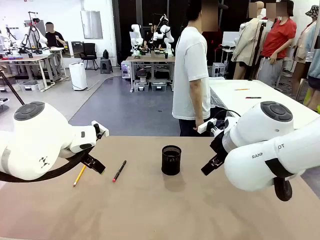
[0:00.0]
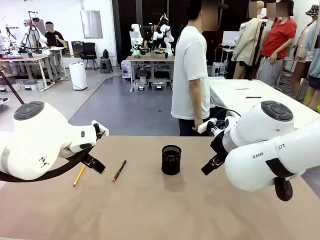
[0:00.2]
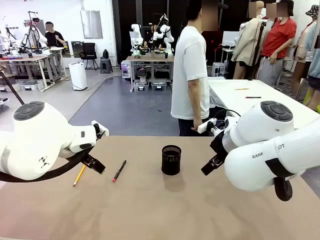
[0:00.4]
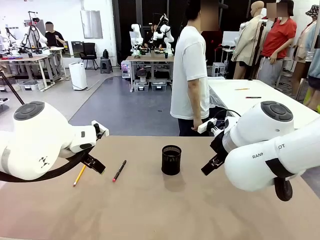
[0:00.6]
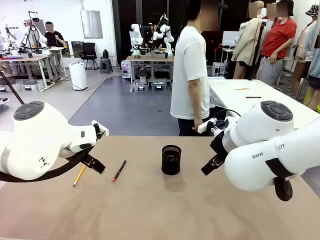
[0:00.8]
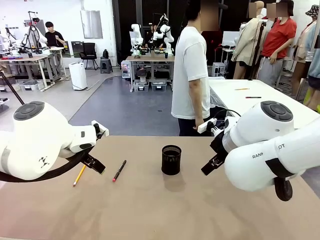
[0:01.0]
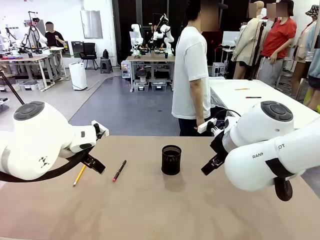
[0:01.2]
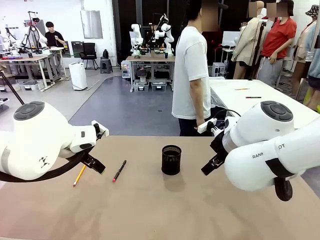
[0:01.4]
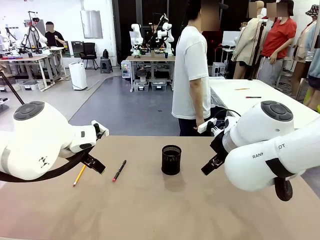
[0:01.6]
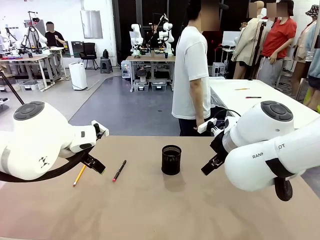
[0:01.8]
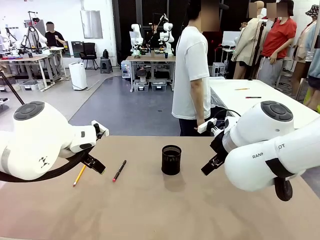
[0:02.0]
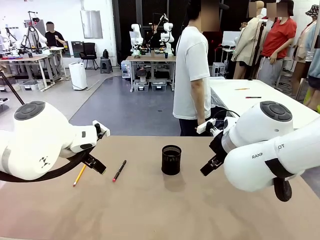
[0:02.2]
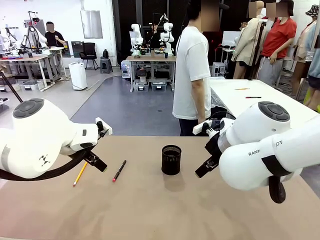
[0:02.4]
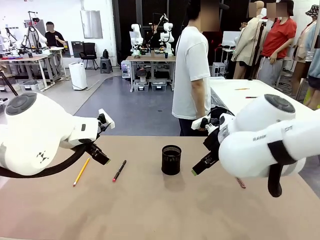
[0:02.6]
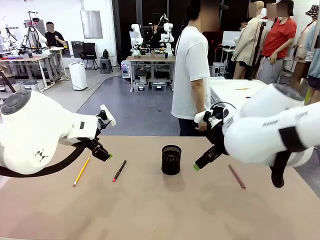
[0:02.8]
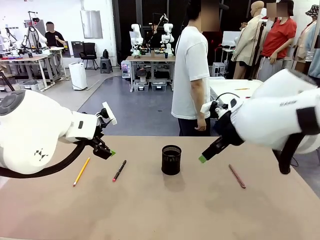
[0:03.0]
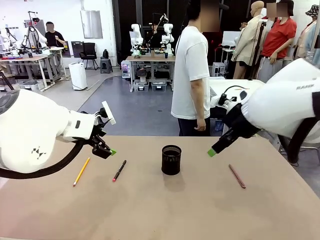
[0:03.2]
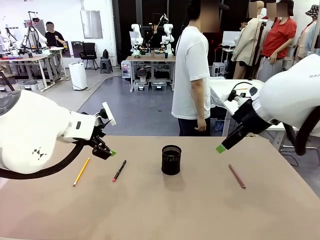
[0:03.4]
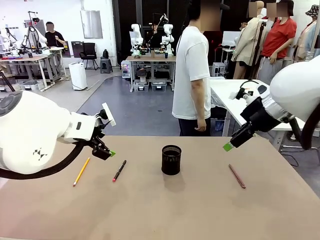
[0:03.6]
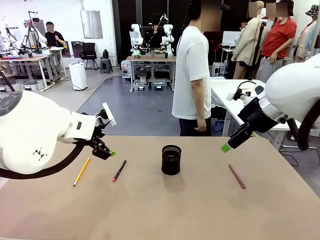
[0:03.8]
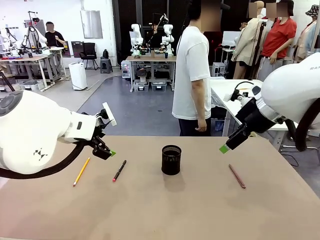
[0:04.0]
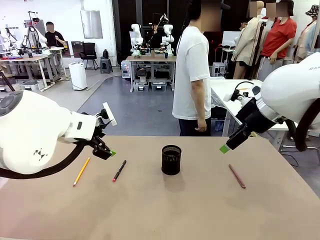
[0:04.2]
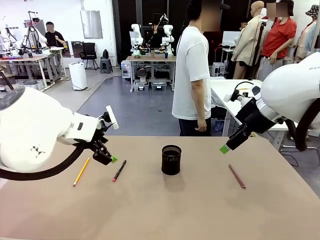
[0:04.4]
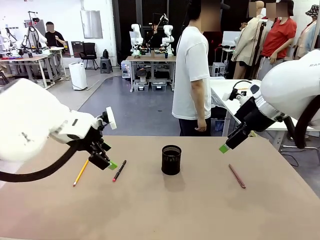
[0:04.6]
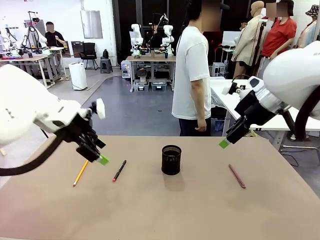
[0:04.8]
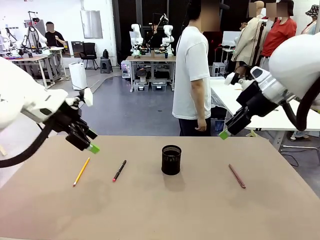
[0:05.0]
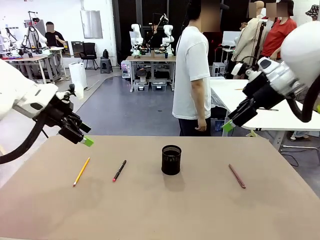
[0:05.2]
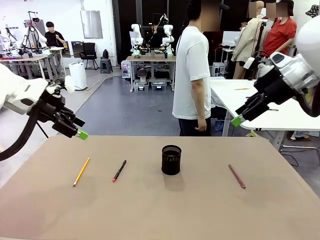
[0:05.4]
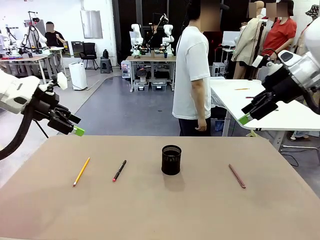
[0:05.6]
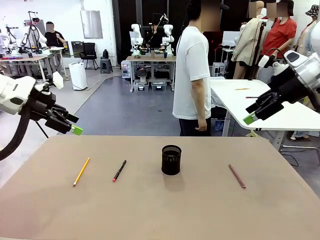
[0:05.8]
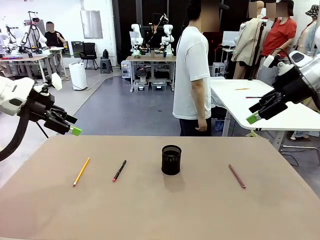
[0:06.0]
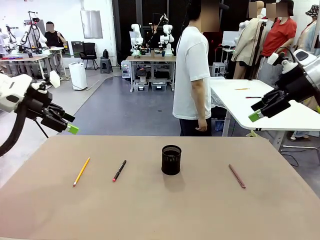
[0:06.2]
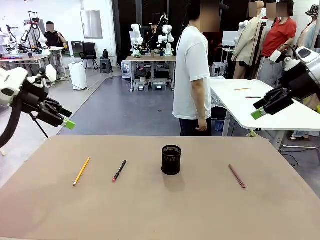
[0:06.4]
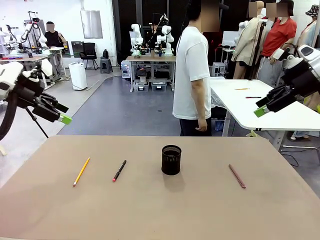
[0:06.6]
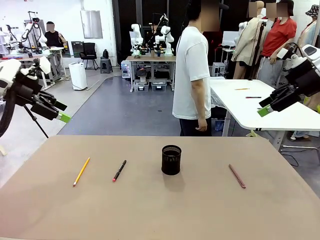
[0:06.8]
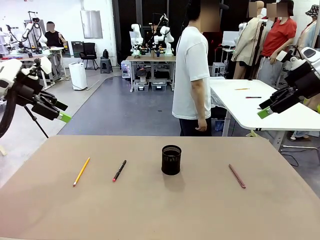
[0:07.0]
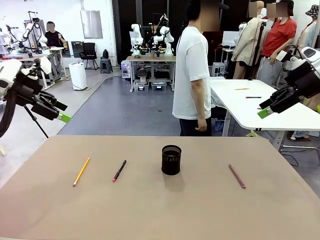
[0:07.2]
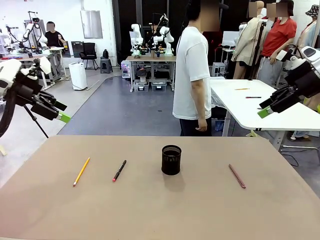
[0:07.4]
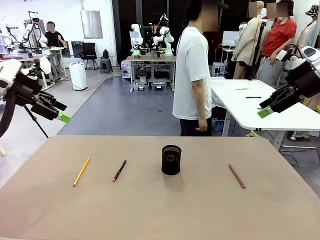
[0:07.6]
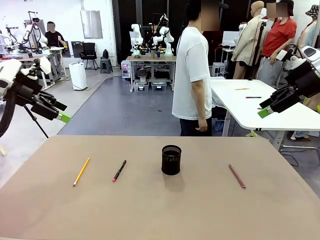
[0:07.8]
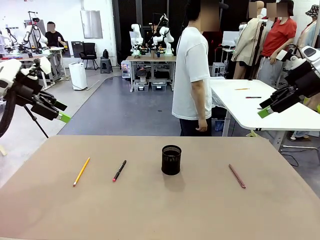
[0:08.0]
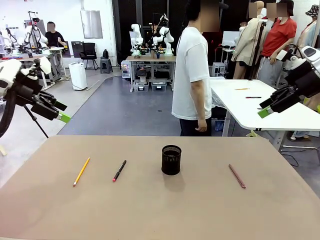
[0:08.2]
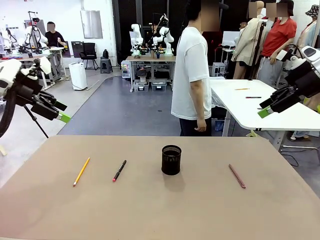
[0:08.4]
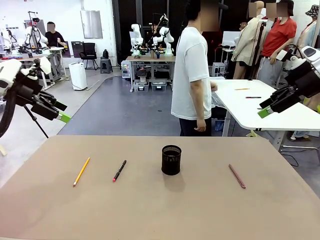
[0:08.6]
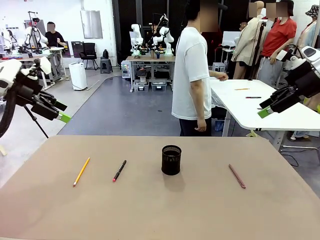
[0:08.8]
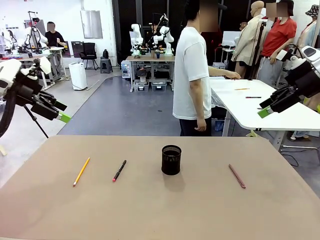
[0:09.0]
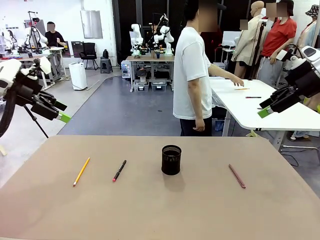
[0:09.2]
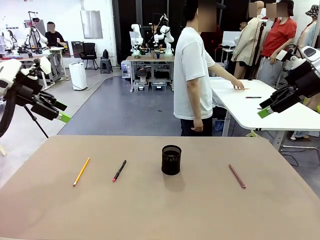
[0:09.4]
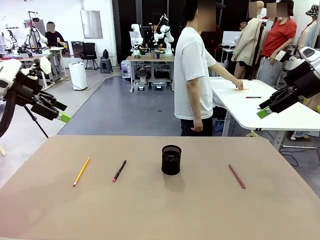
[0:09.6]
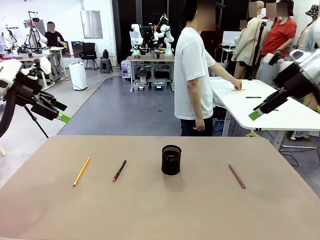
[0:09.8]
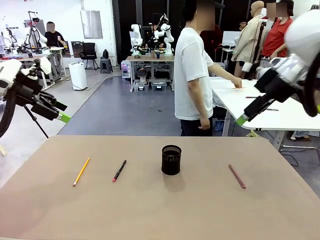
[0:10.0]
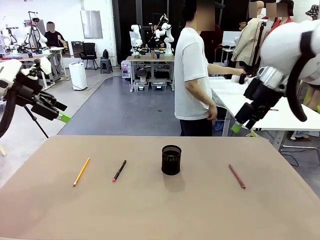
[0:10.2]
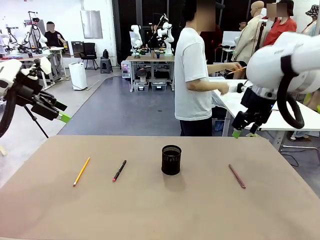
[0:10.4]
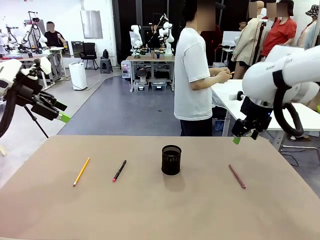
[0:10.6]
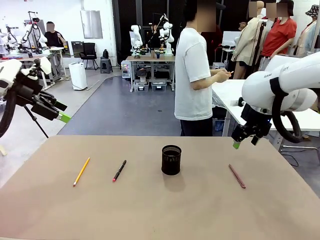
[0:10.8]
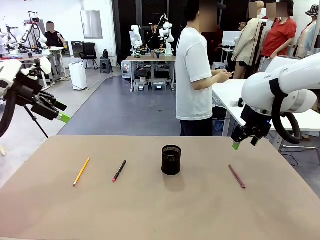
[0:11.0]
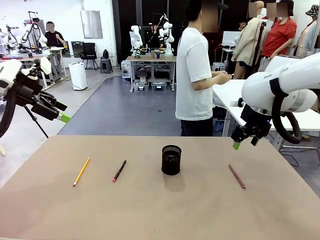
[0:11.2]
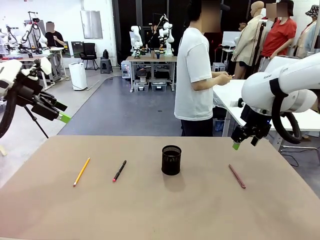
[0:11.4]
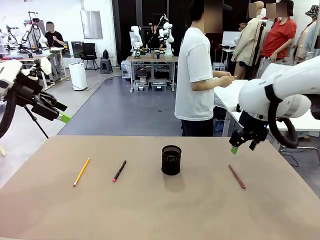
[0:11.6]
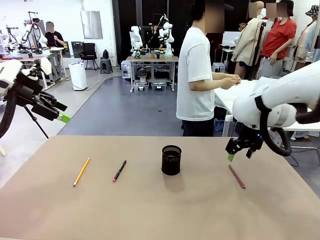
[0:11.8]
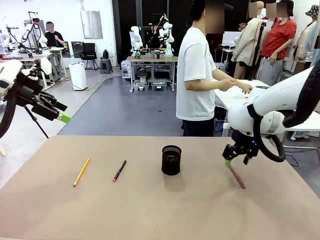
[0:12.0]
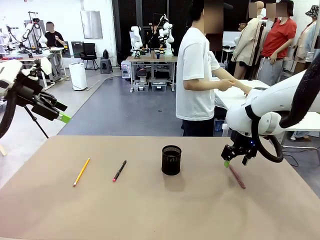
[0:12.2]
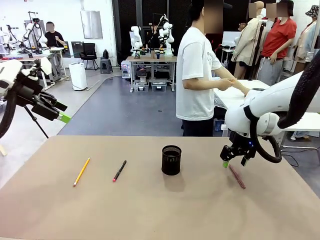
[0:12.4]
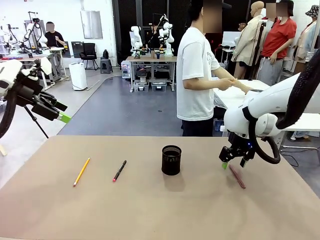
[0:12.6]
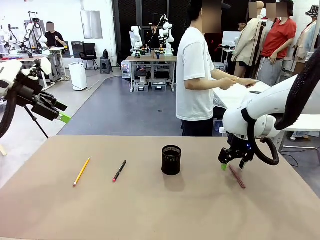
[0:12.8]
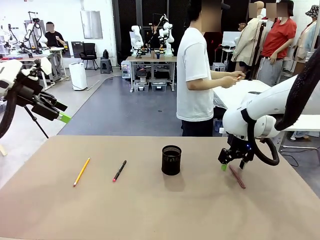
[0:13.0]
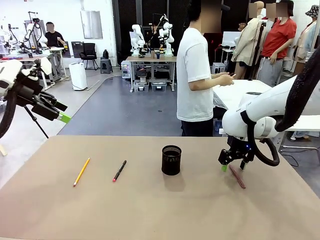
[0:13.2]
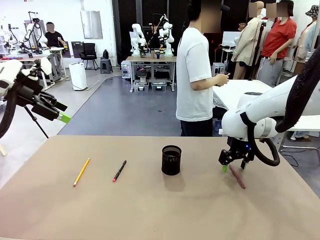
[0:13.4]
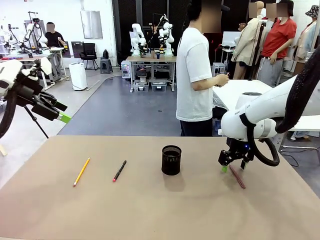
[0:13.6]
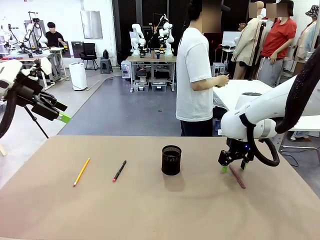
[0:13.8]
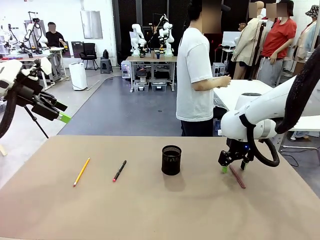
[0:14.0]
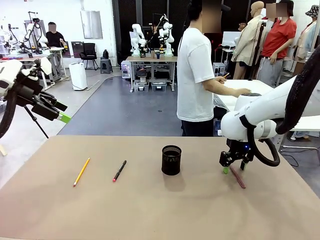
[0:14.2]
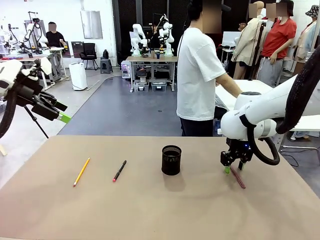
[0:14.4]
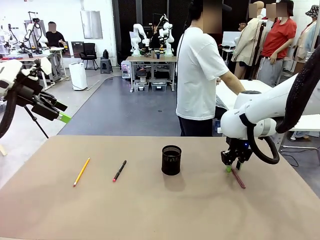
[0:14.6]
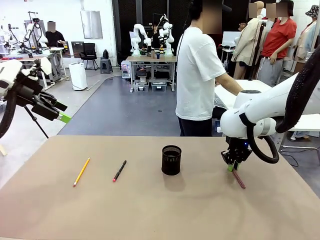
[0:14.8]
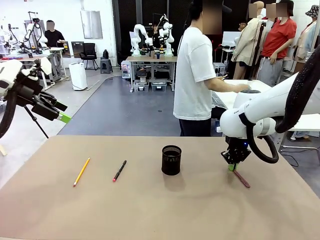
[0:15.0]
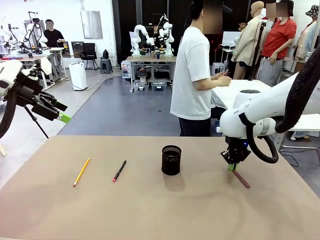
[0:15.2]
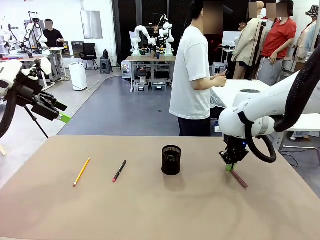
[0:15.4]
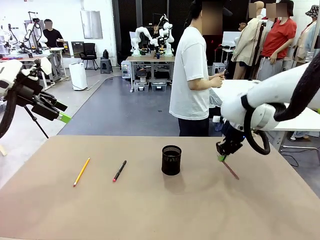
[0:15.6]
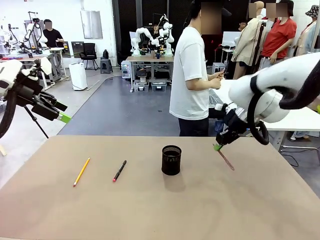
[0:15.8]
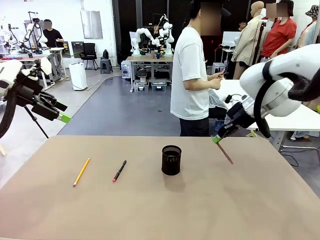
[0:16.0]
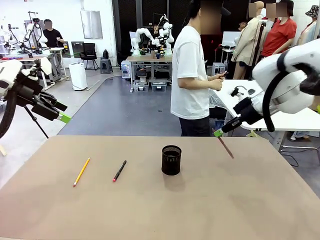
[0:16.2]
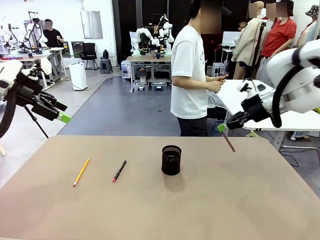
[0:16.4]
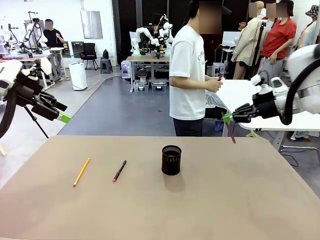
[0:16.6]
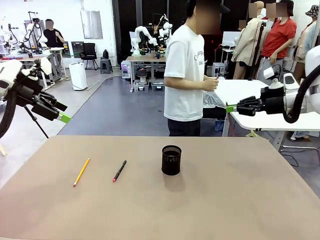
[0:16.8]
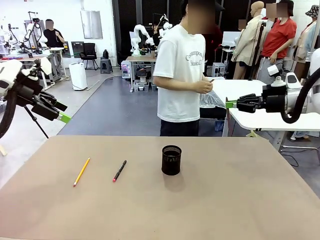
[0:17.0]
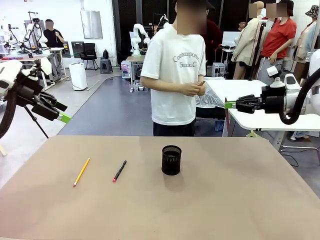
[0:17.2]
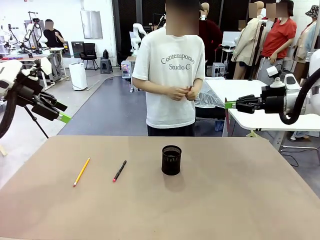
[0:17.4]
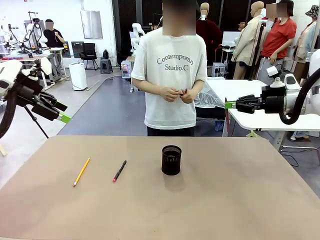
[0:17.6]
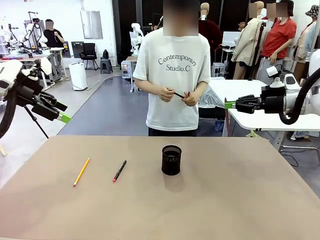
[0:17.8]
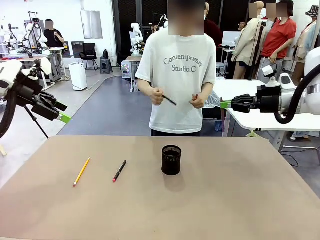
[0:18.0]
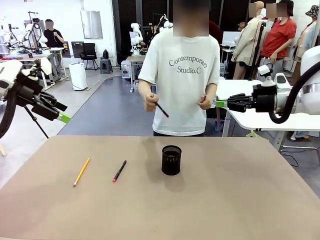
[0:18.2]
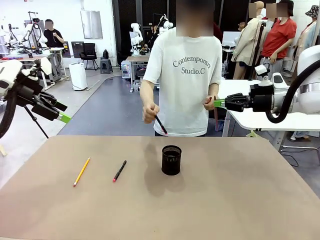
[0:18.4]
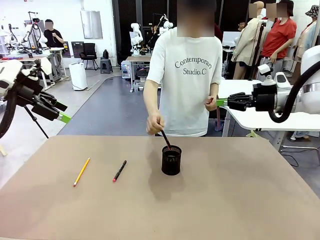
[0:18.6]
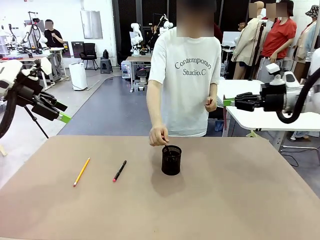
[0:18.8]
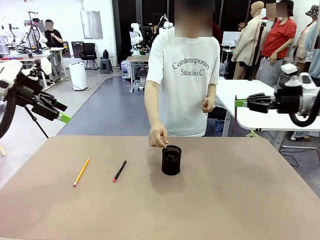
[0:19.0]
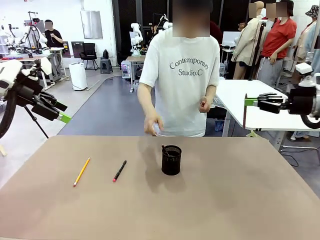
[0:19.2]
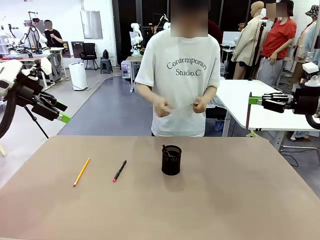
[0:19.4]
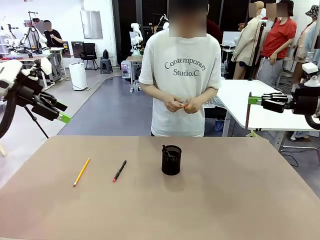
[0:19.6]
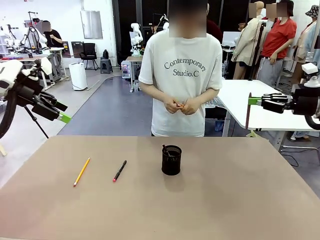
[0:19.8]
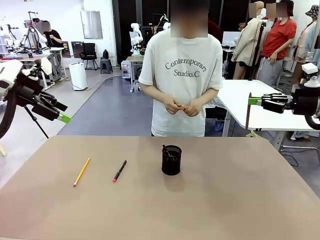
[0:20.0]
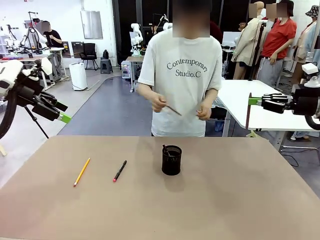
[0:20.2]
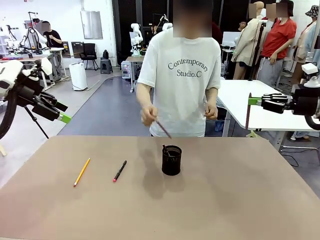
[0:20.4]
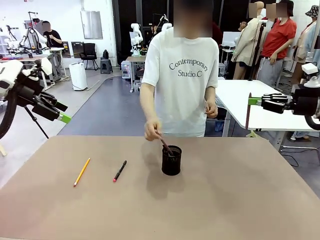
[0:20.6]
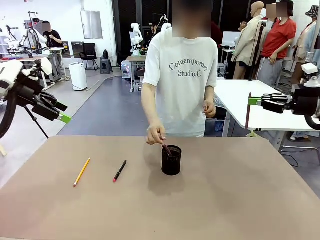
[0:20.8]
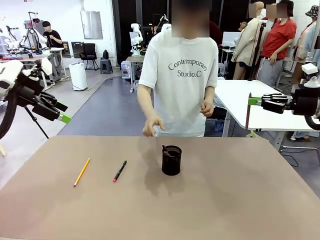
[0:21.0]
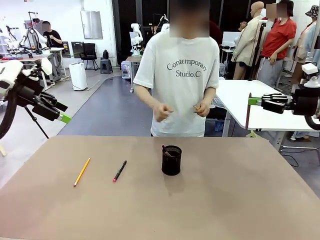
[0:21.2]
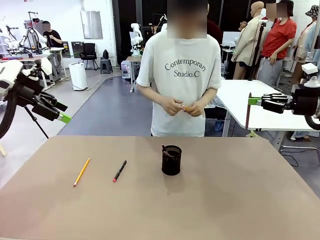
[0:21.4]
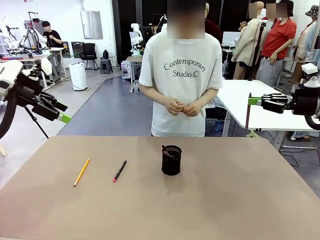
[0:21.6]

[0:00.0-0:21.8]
Task: Place the pens into the pen holder.
Robot: Pick up a writing instrument from the table and place it into the Pen holder.
Person: Pick up all writing instruments from the Human table.
